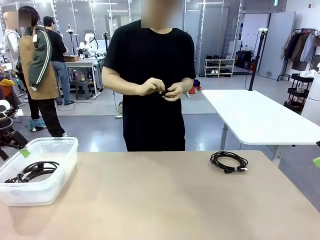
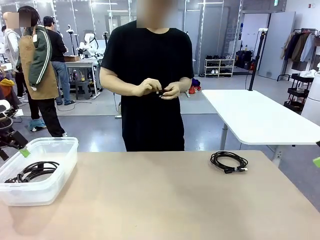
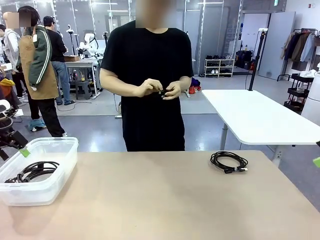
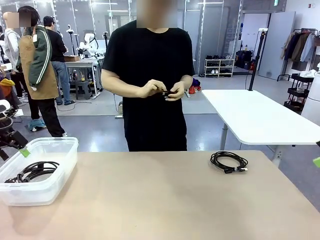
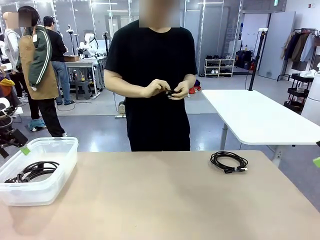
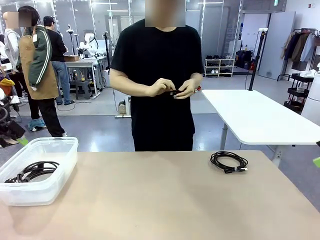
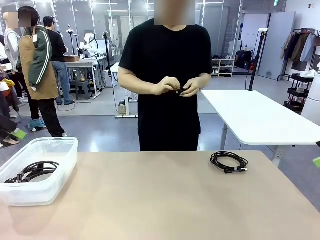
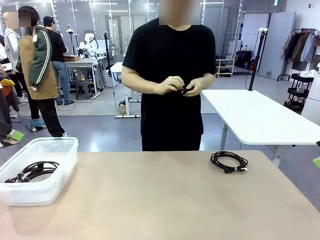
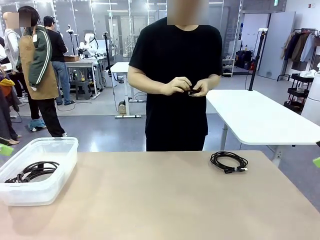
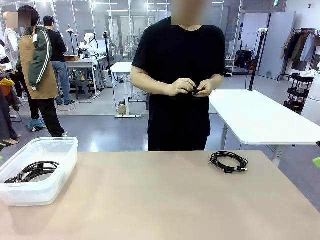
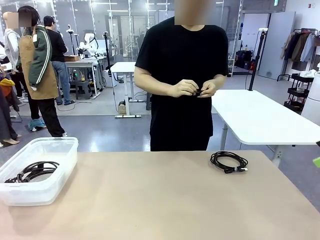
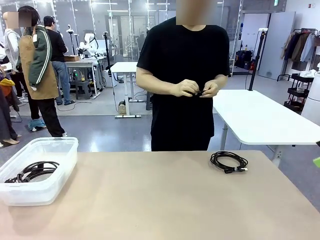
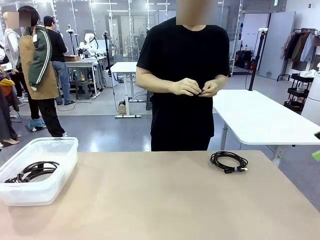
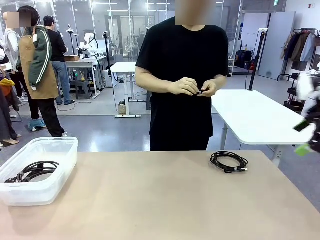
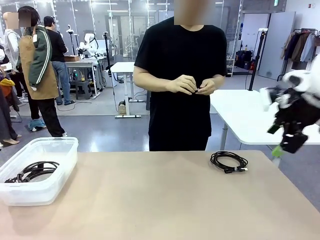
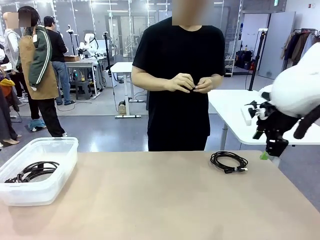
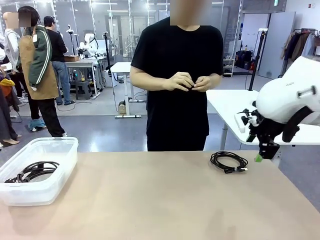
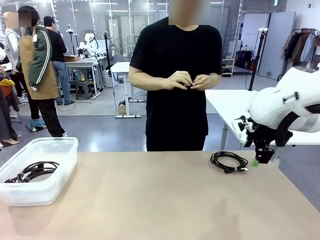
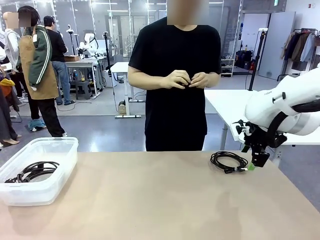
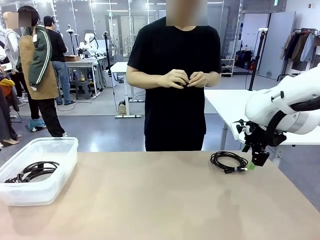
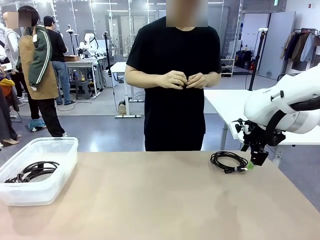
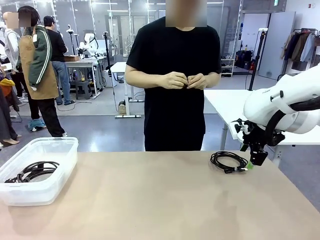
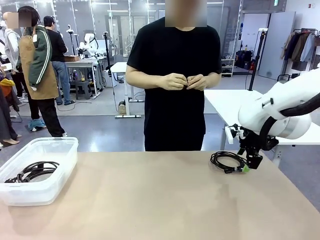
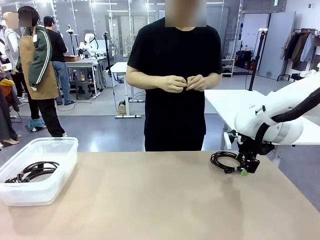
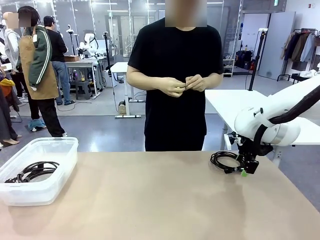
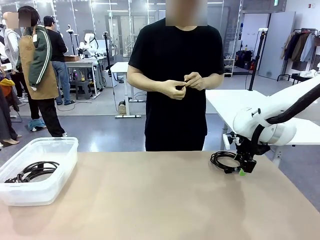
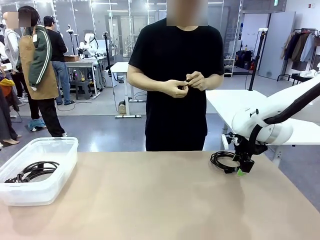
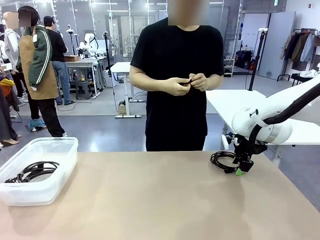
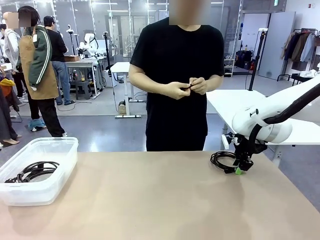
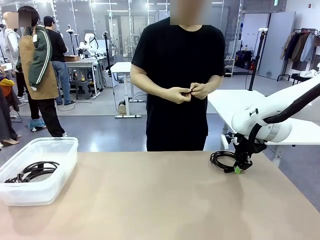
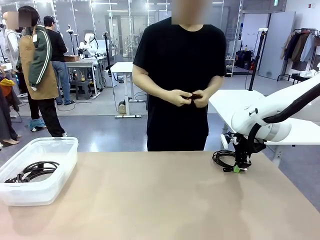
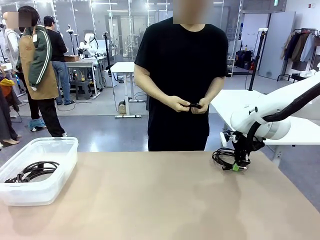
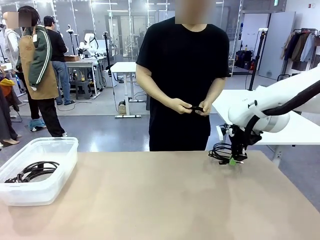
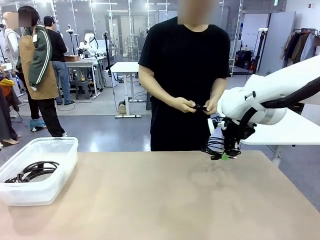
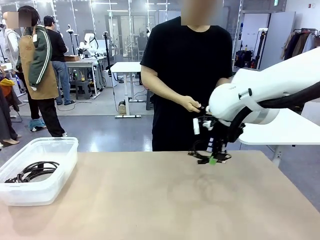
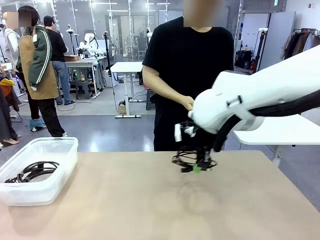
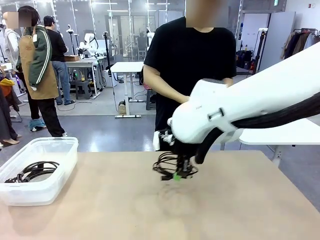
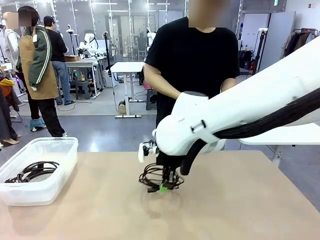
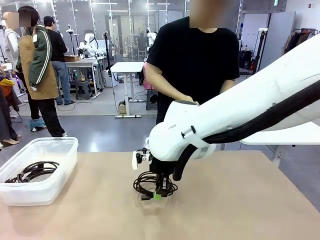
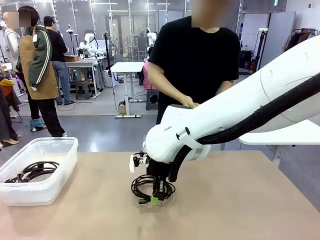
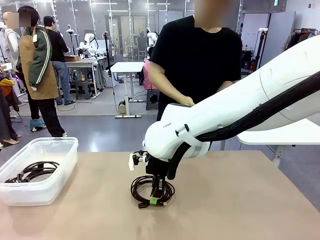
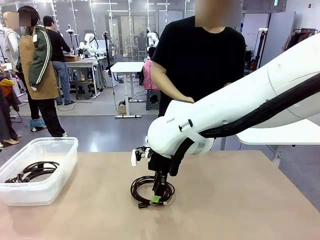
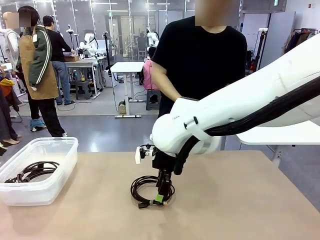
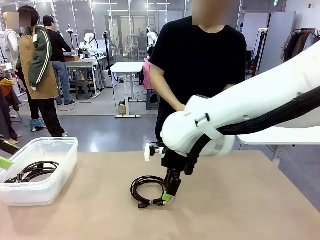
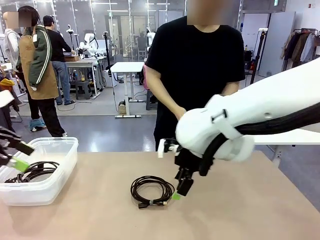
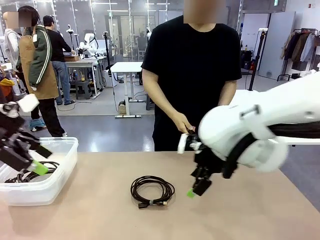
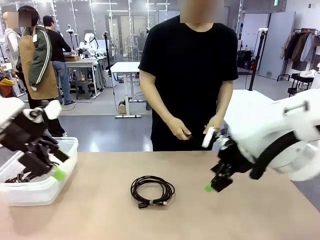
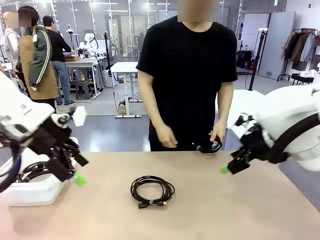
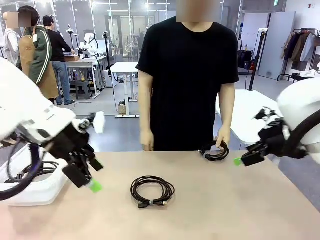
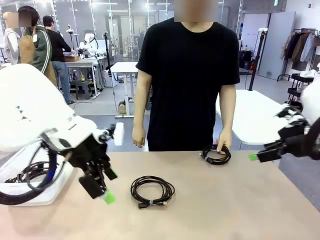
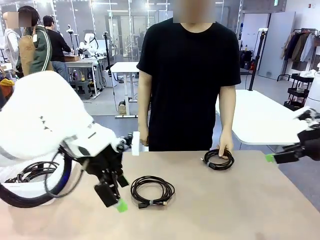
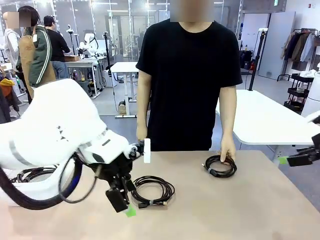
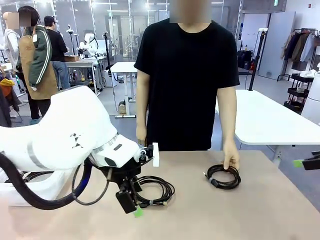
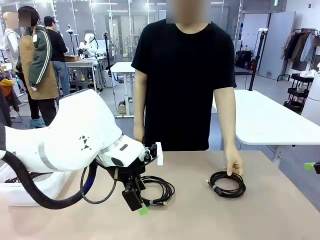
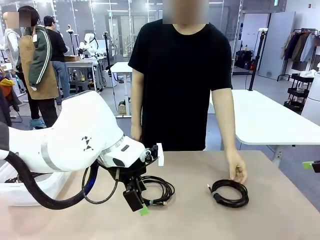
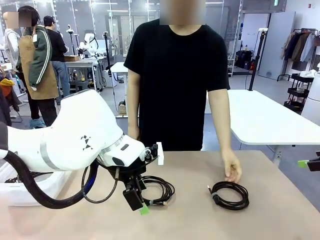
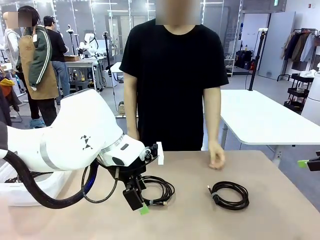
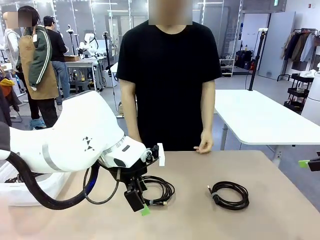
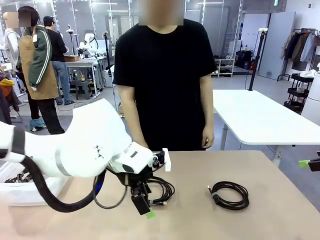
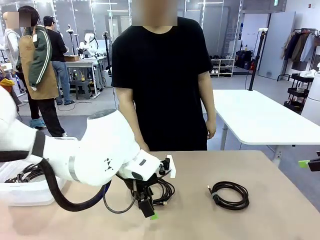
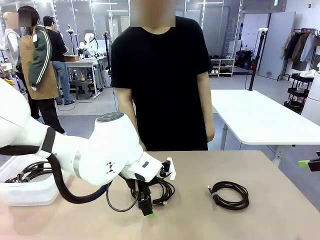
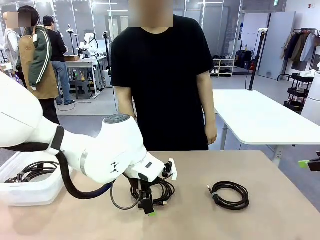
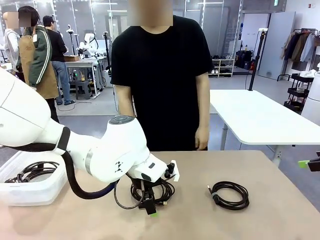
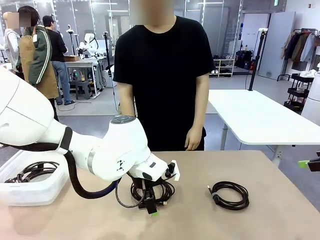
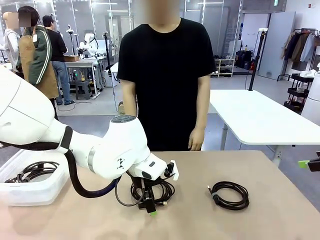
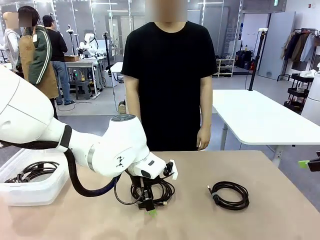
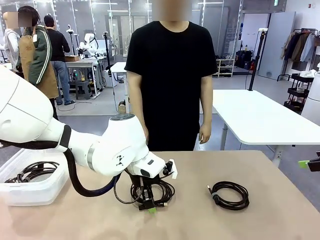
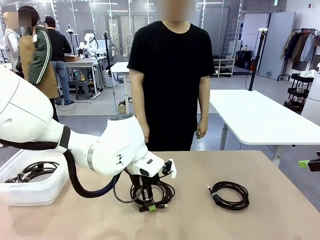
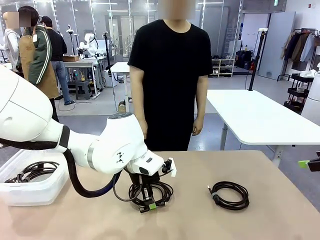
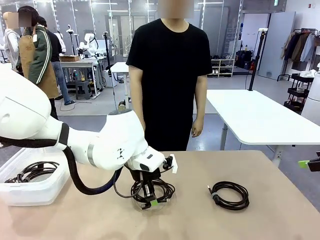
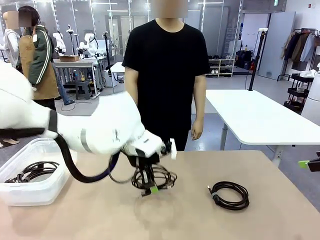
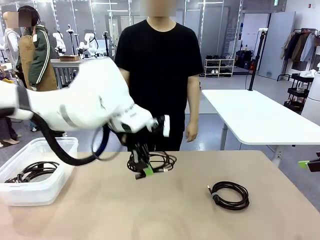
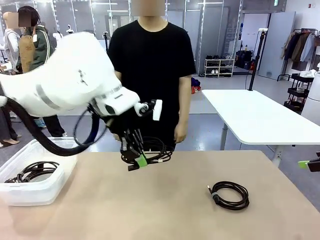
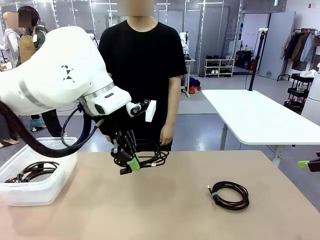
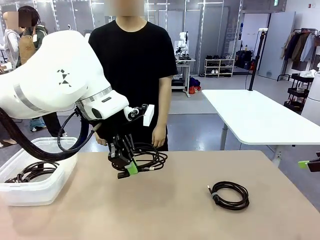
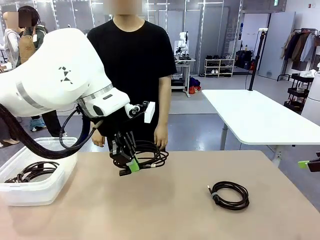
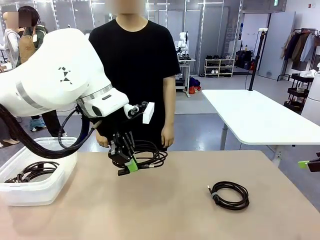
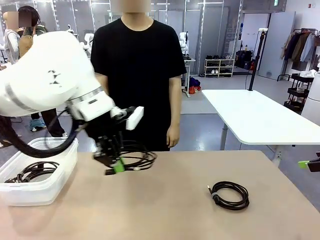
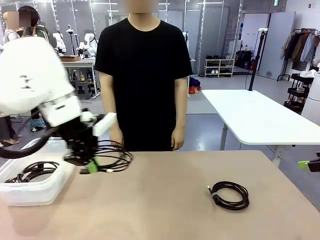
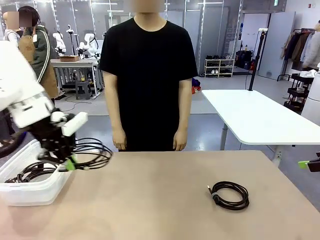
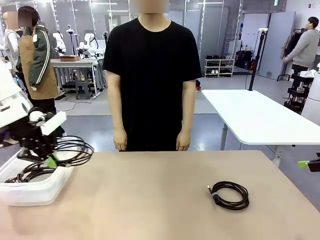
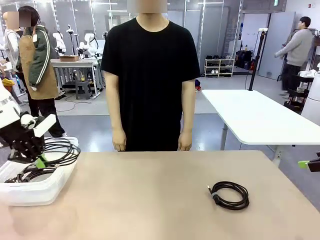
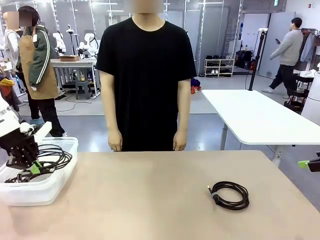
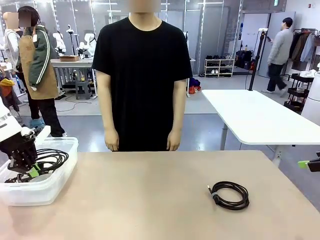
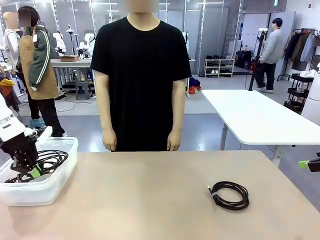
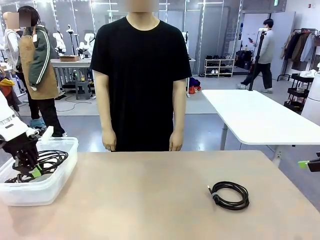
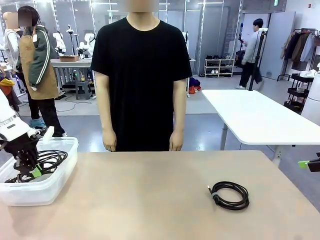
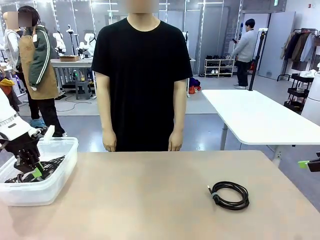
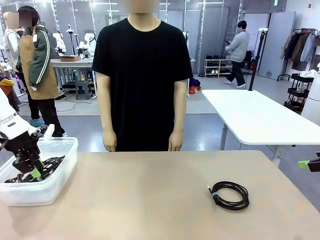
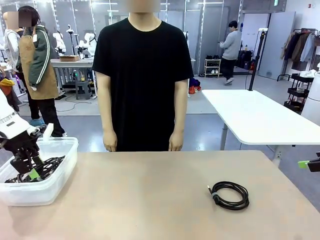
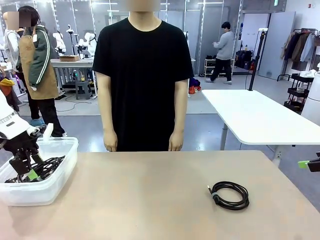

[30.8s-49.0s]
Task: Organize and store the cables.
Robot: Place the USB Extension Cable into the Organizing box.
